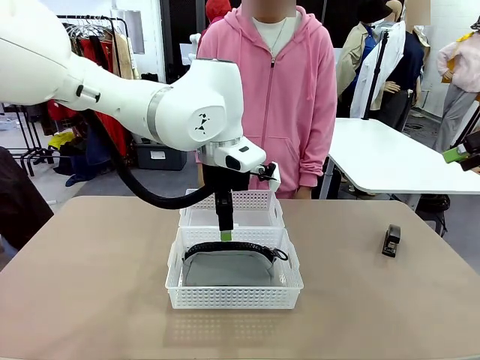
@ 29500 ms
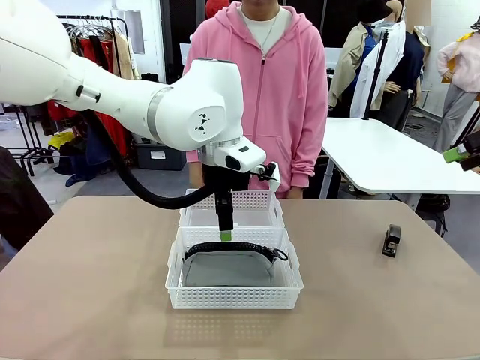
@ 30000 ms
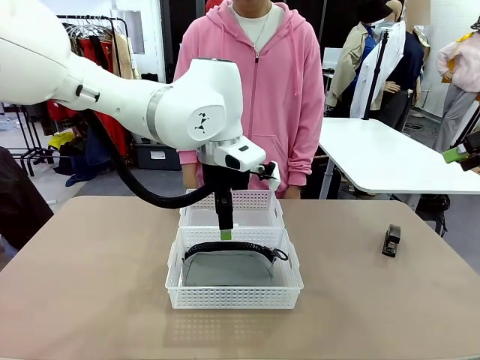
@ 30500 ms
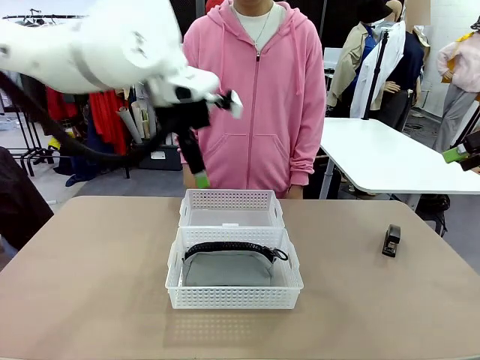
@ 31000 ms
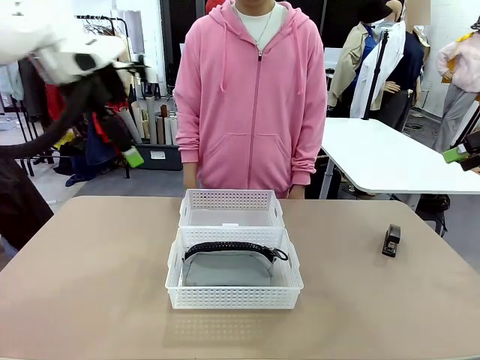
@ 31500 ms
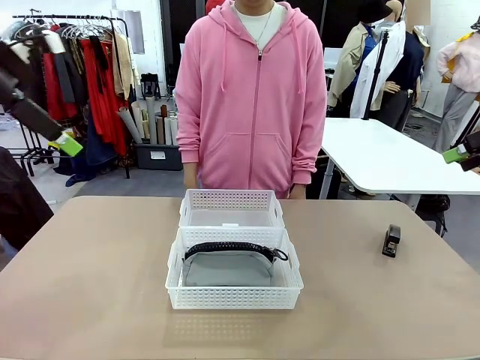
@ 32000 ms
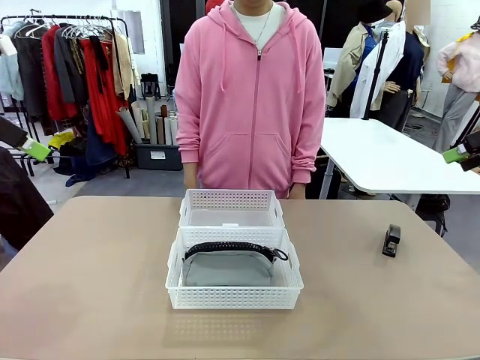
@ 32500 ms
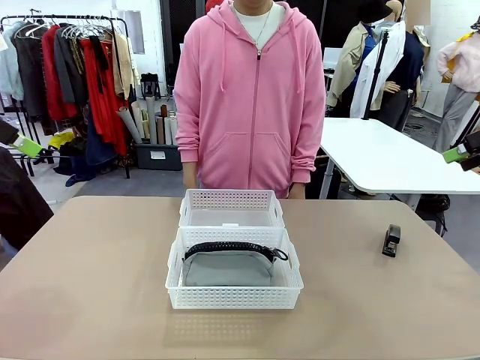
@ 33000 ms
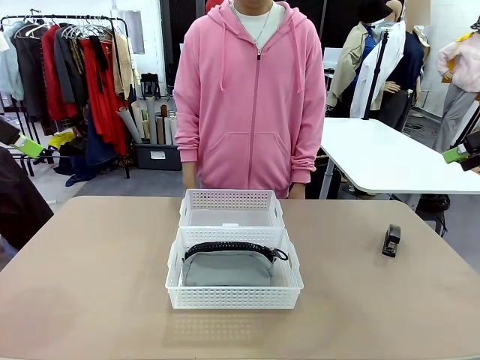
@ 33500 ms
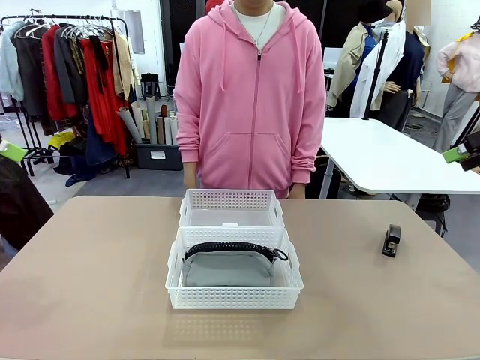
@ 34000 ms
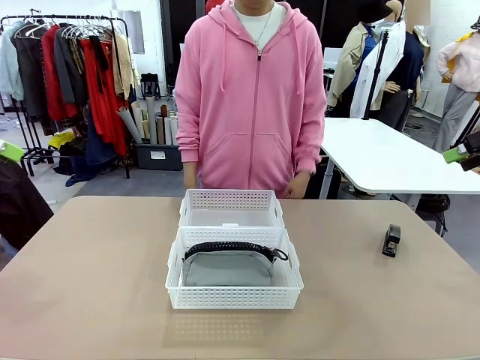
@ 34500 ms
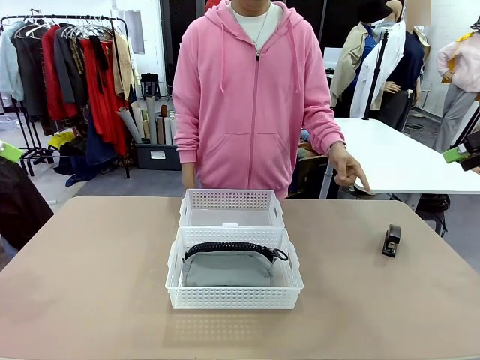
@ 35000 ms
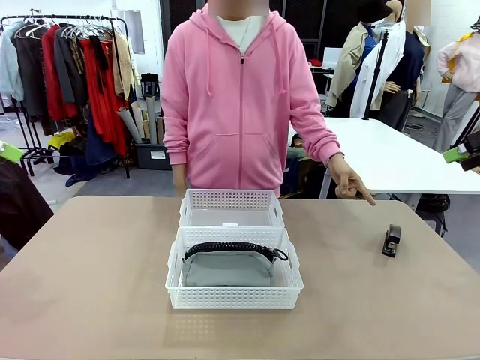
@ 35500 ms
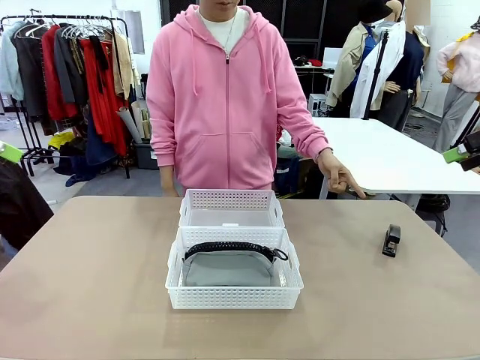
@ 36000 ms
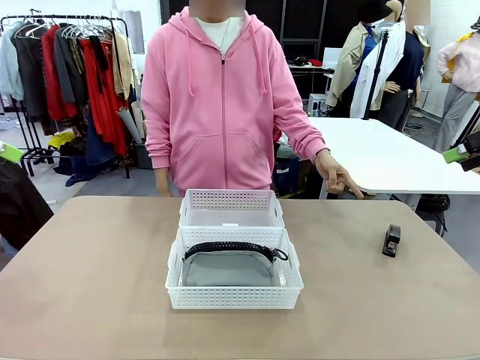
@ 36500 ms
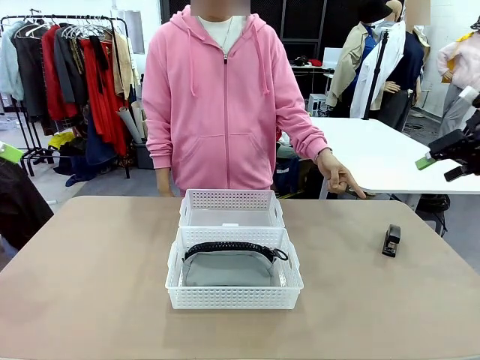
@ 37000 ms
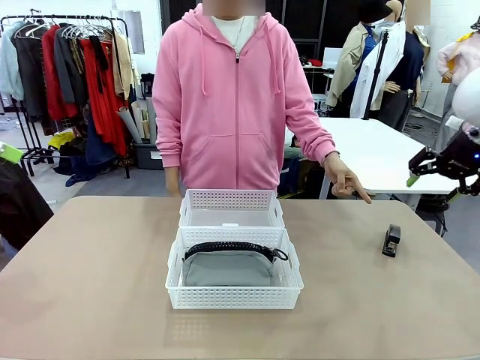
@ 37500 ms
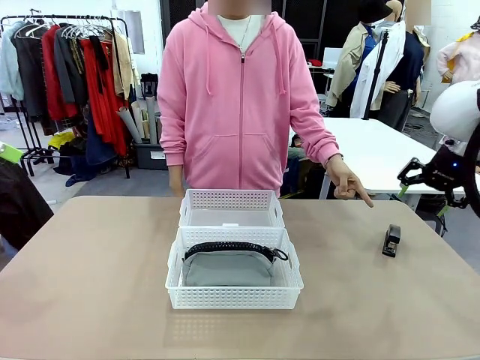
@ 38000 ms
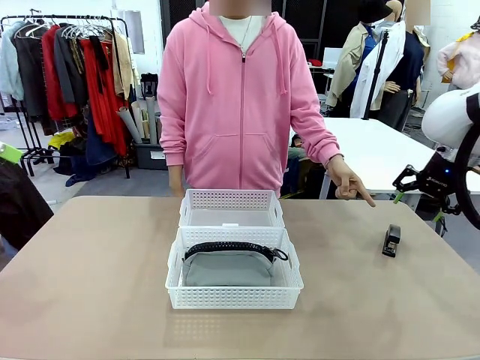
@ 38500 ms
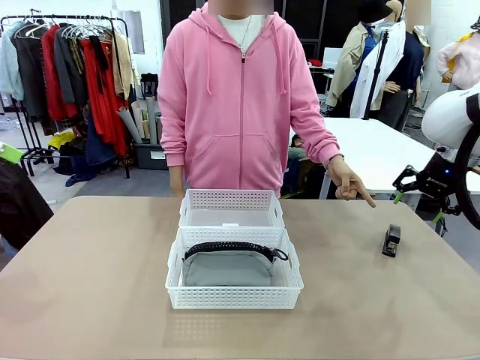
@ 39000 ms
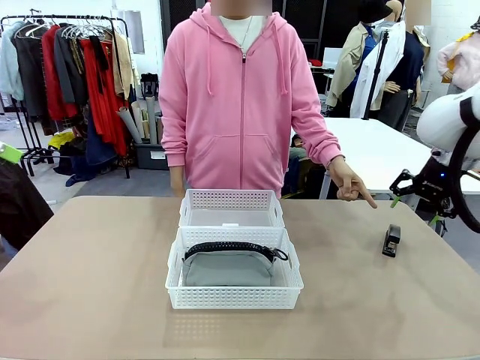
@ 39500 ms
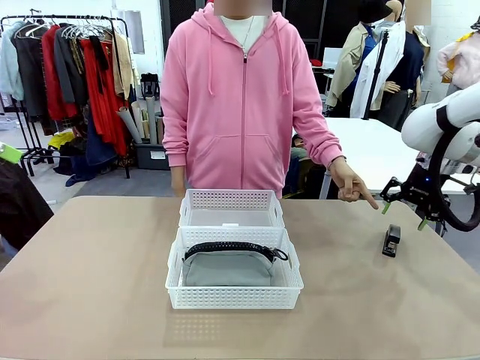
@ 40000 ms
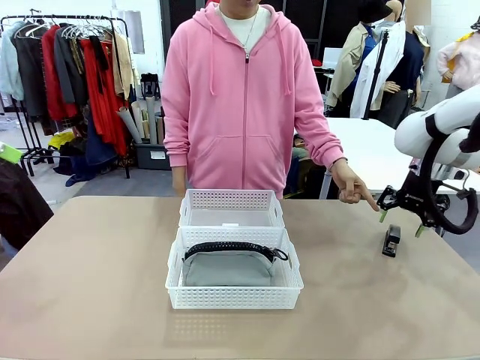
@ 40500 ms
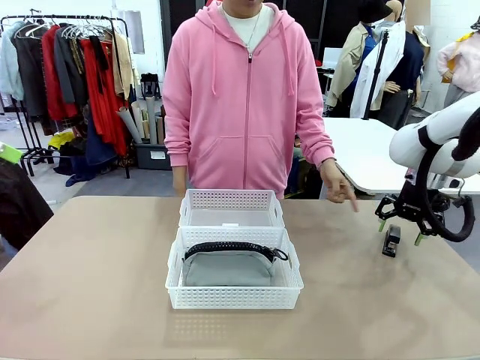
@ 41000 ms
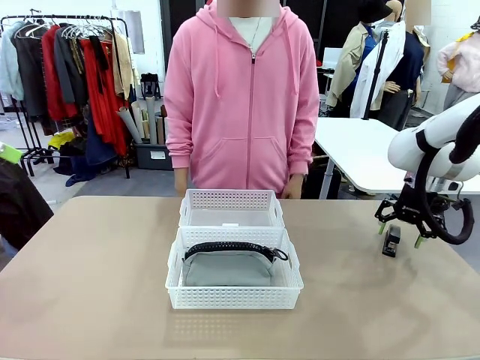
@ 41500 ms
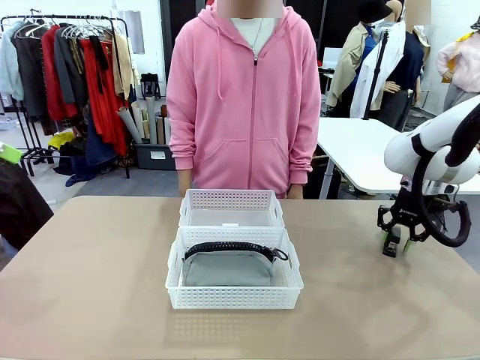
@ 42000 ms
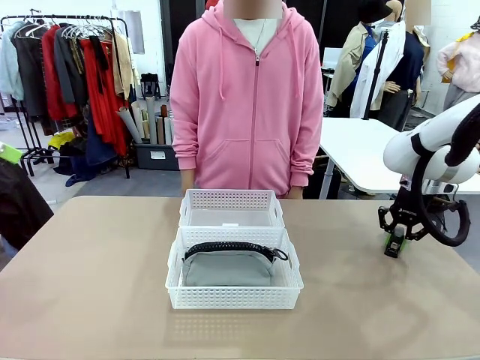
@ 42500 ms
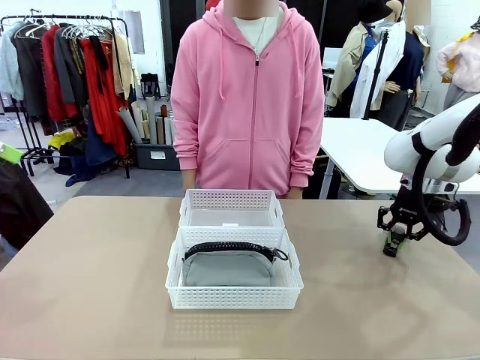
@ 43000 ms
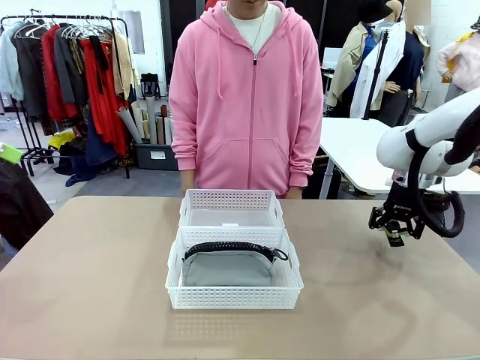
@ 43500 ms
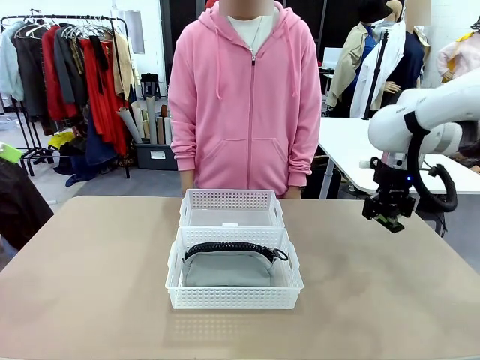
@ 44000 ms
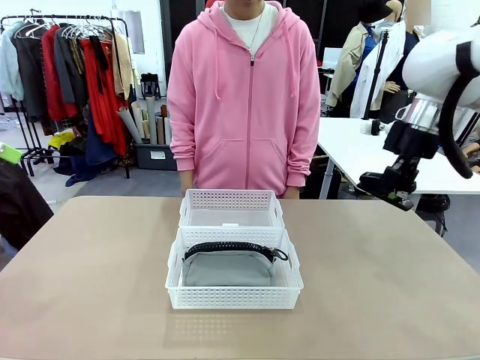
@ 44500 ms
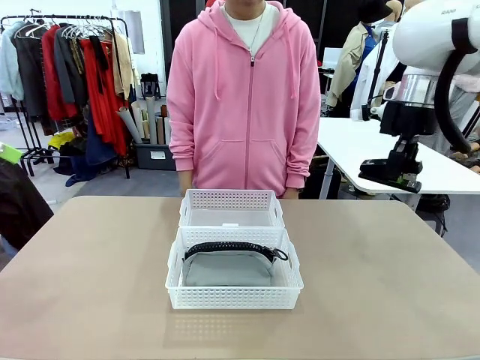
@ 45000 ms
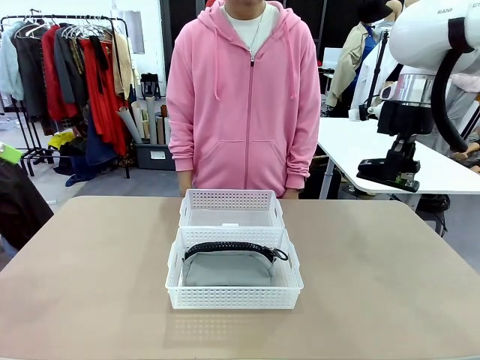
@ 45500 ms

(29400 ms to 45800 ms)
Task: Distribute items into two baskets.
Robot: Pick up the Stapler that the person points to.
Person: Points to the stapler.

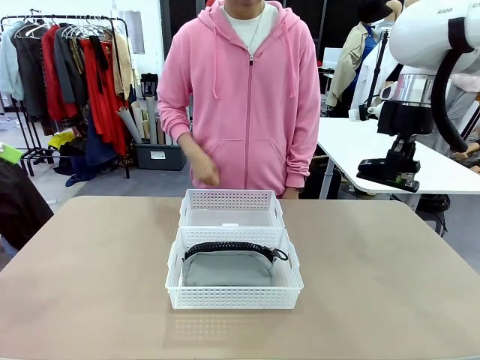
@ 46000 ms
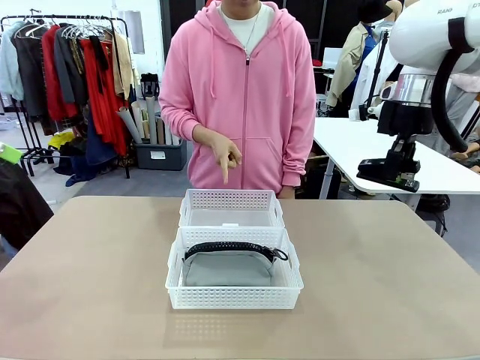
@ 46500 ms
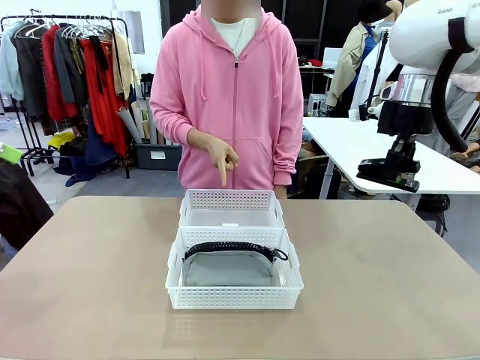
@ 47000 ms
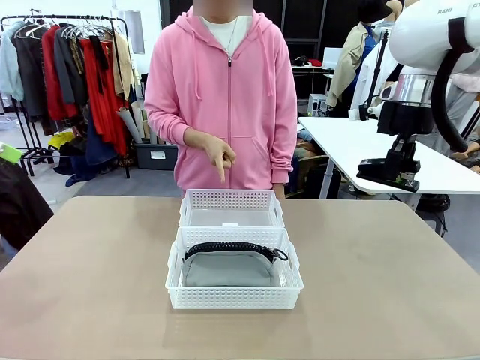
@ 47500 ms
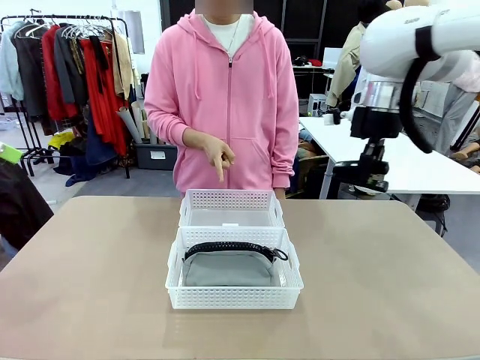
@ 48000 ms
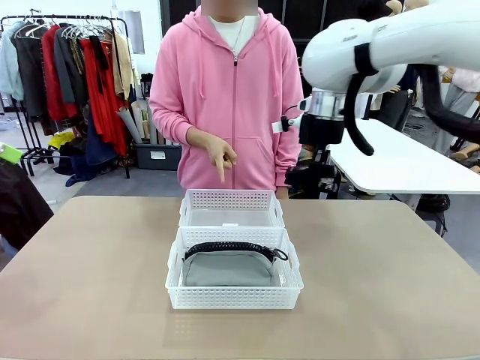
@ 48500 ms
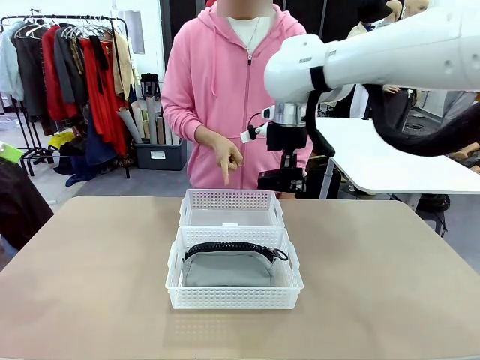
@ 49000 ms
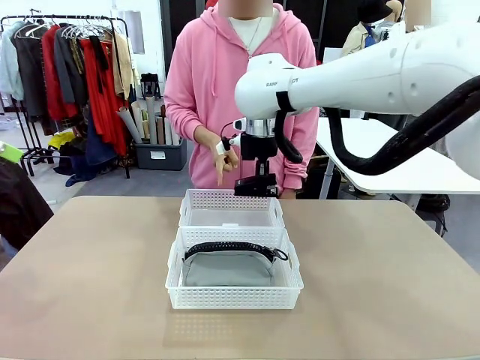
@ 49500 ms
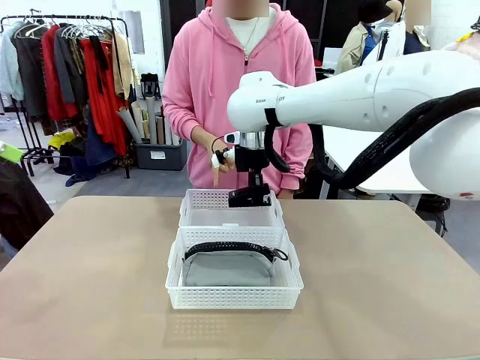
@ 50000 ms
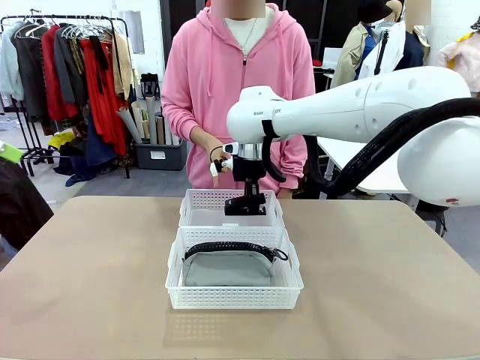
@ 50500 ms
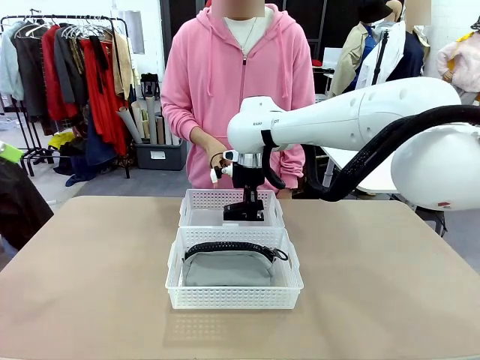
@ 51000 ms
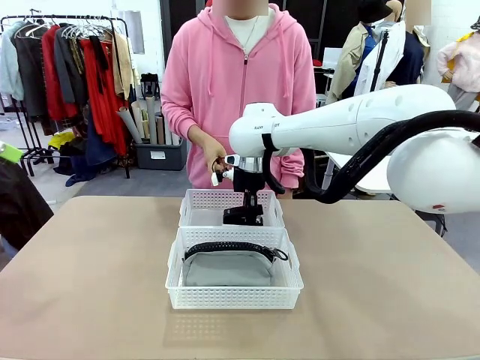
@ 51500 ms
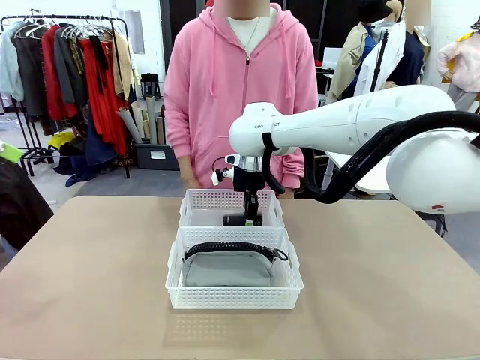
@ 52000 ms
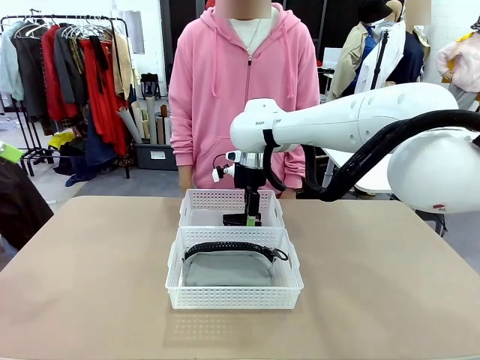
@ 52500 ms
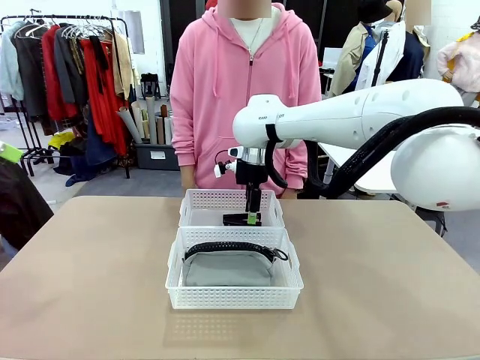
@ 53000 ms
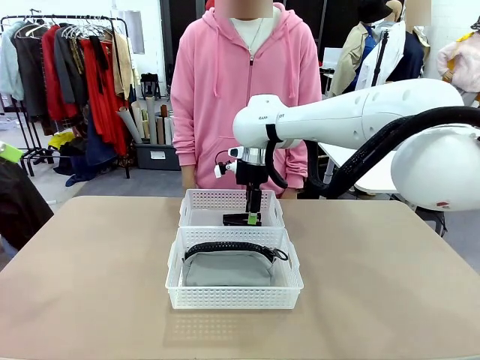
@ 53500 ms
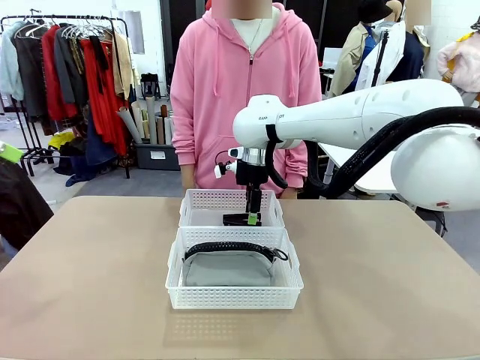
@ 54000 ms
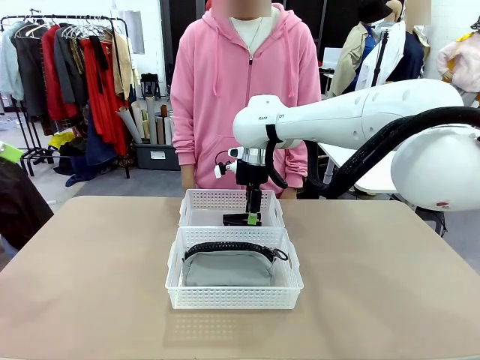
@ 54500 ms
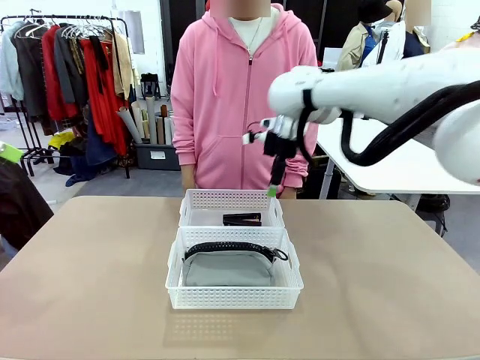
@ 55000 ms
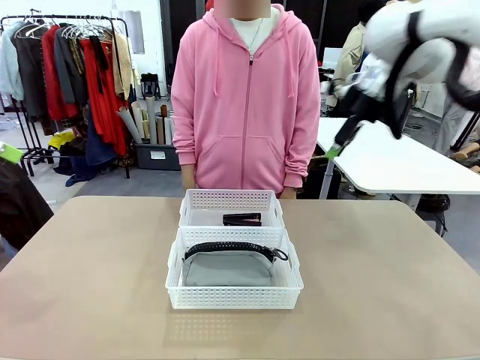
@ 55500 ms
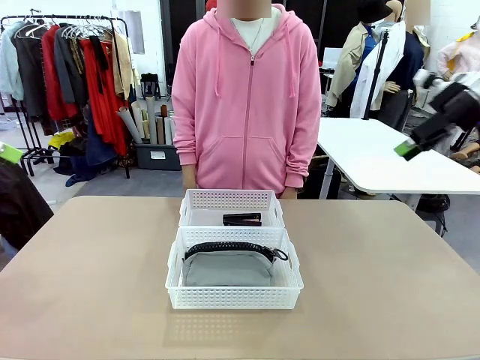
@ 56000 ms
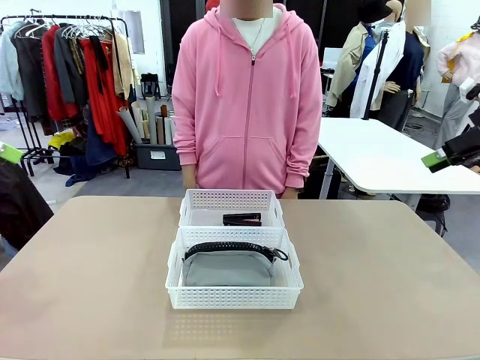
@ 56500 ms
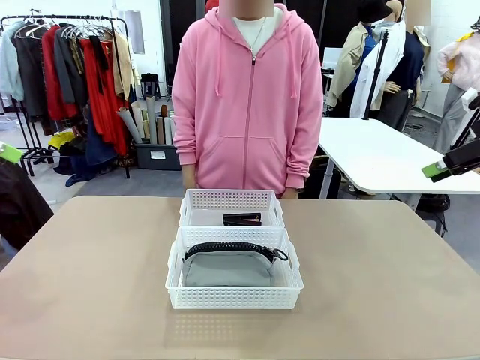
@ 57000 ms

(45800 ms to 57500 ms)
Robot: Place the picked Stapler into the Organizing basket as instructed by the person.
Person: Points to the basket that does not contain the pencil case and instructs the robot to move the stapler there.
